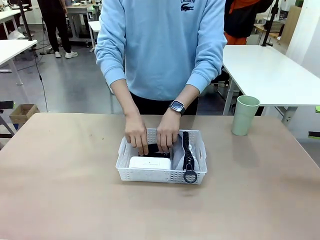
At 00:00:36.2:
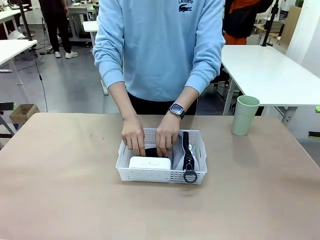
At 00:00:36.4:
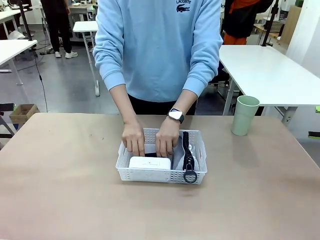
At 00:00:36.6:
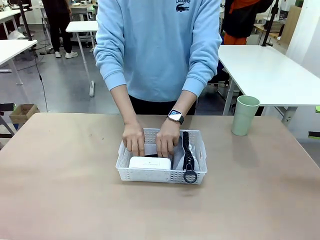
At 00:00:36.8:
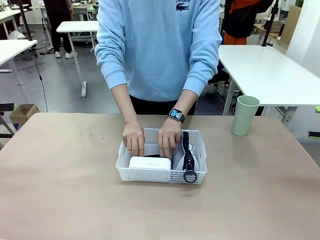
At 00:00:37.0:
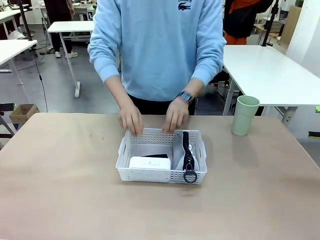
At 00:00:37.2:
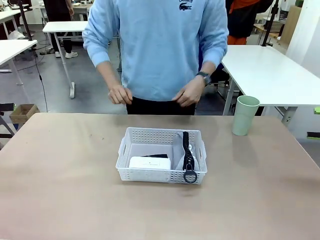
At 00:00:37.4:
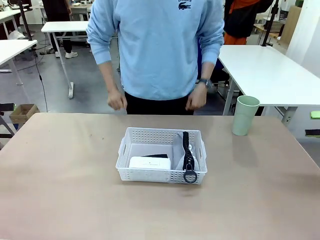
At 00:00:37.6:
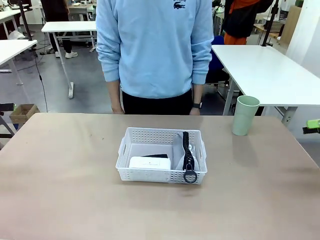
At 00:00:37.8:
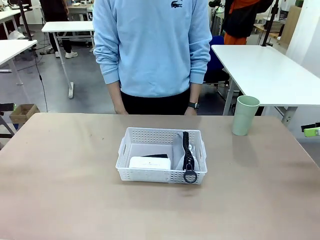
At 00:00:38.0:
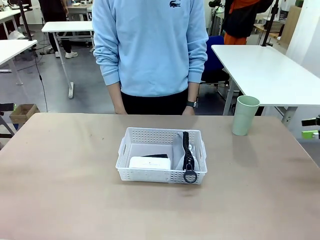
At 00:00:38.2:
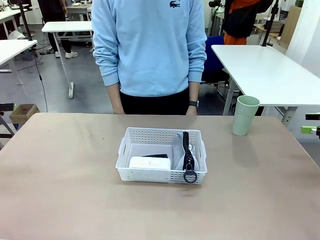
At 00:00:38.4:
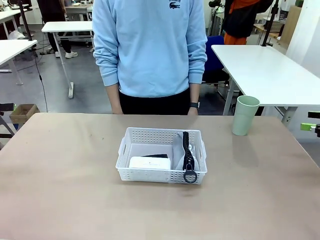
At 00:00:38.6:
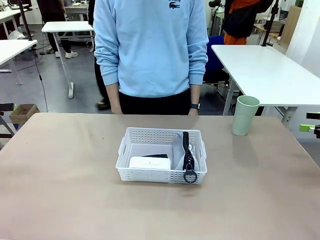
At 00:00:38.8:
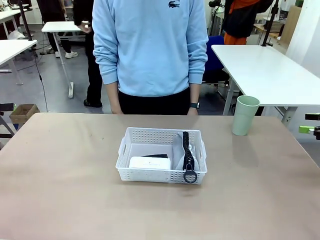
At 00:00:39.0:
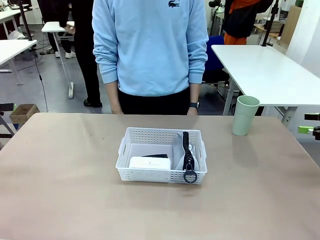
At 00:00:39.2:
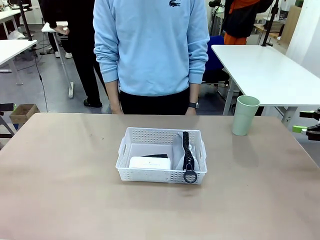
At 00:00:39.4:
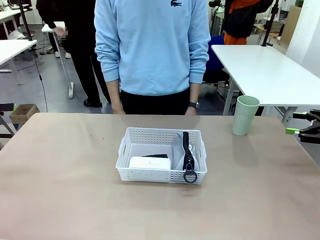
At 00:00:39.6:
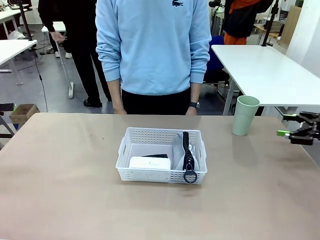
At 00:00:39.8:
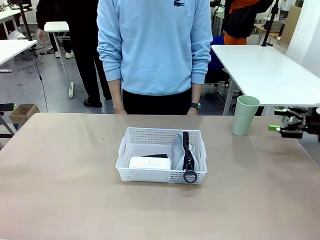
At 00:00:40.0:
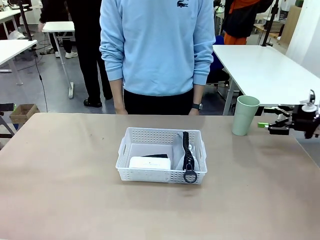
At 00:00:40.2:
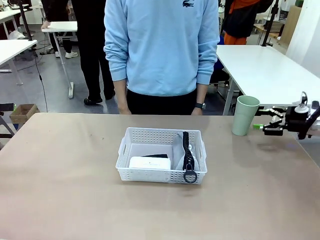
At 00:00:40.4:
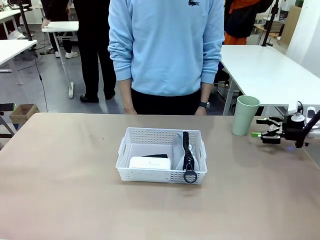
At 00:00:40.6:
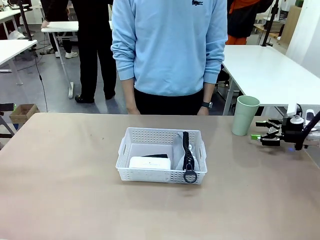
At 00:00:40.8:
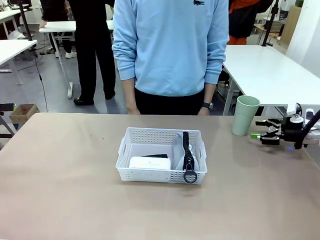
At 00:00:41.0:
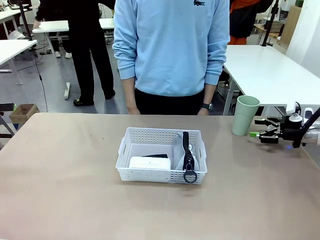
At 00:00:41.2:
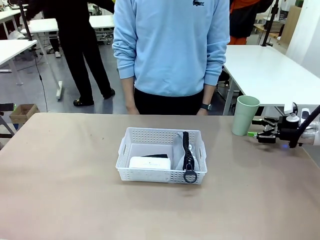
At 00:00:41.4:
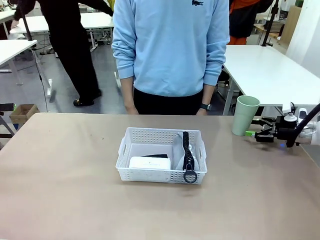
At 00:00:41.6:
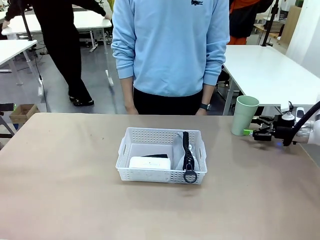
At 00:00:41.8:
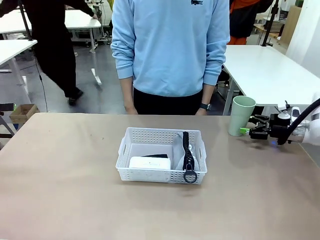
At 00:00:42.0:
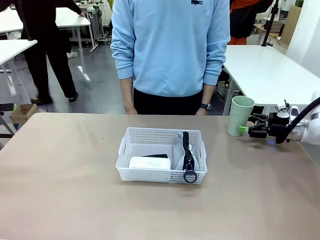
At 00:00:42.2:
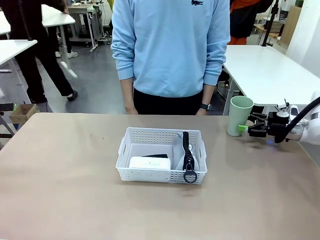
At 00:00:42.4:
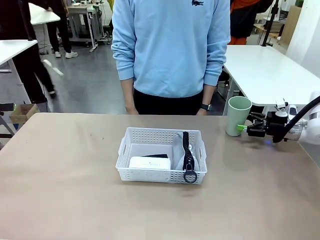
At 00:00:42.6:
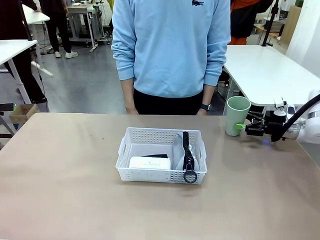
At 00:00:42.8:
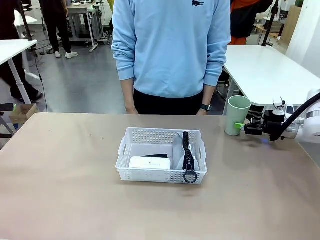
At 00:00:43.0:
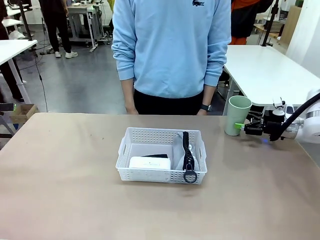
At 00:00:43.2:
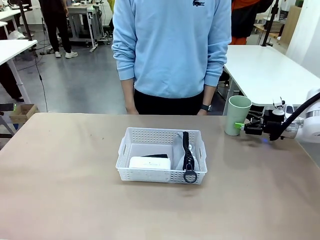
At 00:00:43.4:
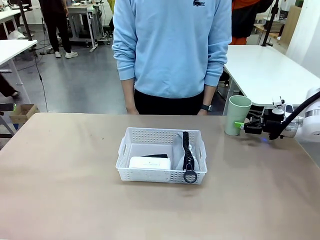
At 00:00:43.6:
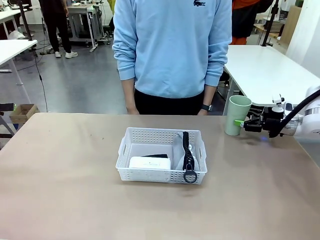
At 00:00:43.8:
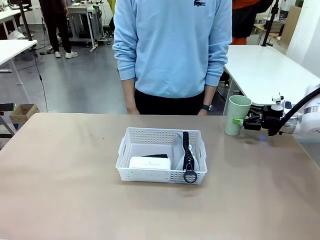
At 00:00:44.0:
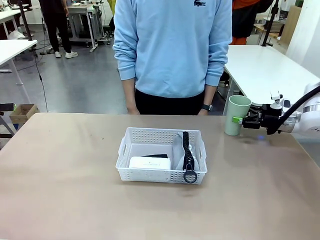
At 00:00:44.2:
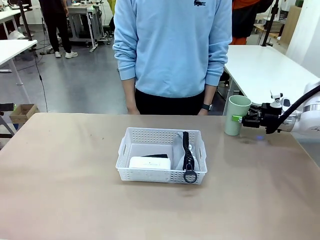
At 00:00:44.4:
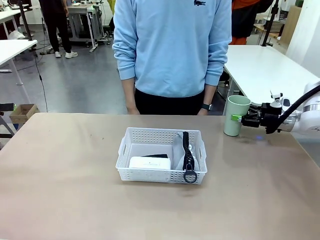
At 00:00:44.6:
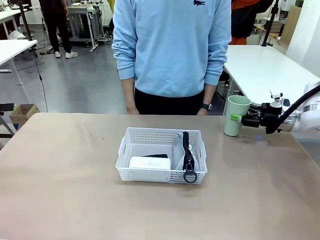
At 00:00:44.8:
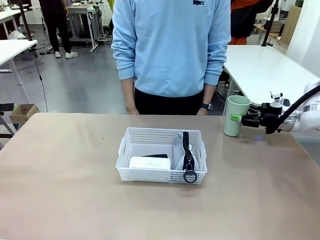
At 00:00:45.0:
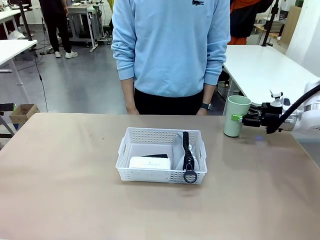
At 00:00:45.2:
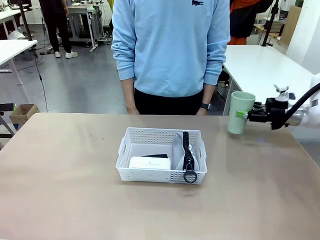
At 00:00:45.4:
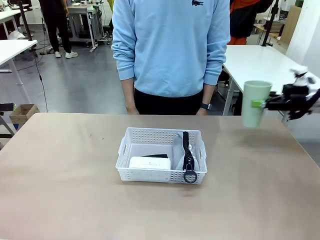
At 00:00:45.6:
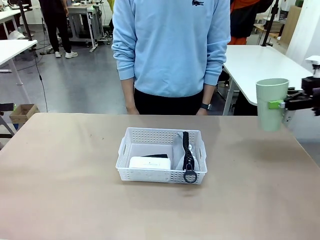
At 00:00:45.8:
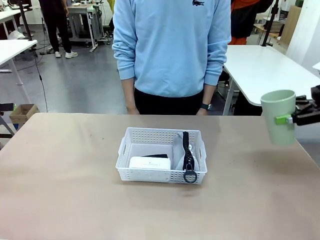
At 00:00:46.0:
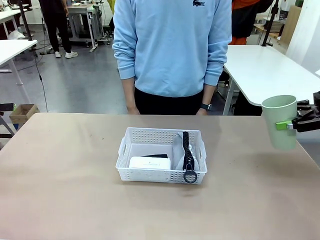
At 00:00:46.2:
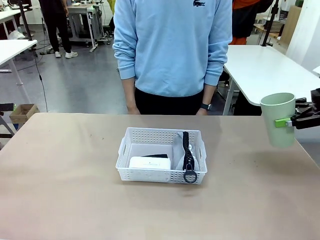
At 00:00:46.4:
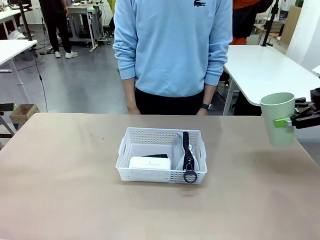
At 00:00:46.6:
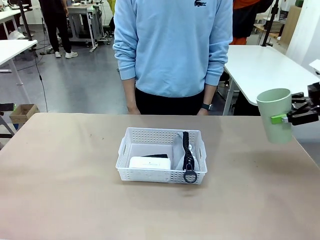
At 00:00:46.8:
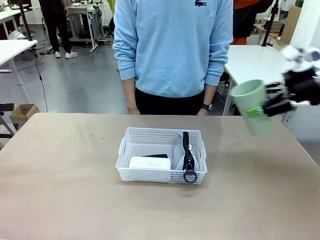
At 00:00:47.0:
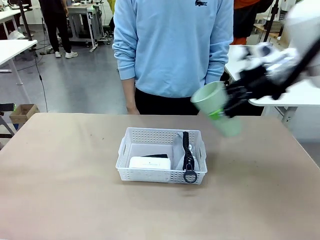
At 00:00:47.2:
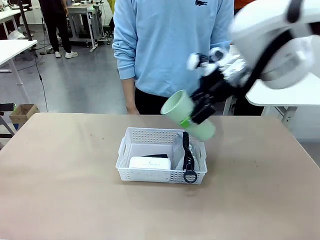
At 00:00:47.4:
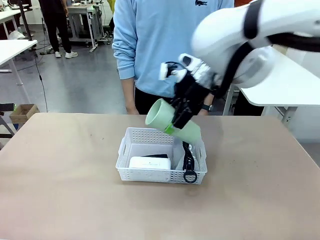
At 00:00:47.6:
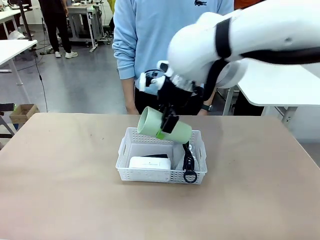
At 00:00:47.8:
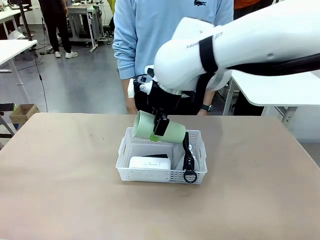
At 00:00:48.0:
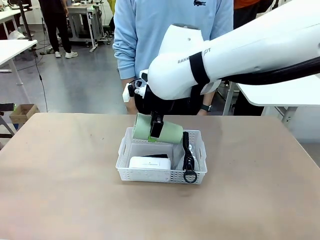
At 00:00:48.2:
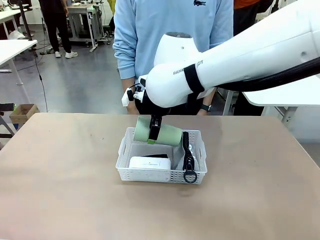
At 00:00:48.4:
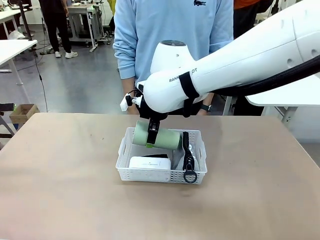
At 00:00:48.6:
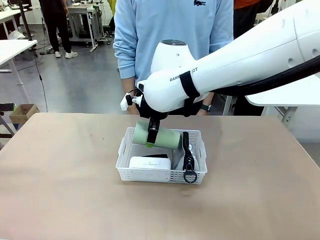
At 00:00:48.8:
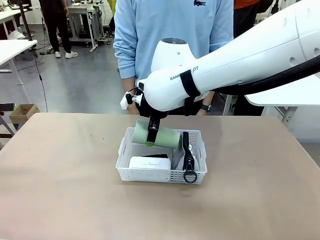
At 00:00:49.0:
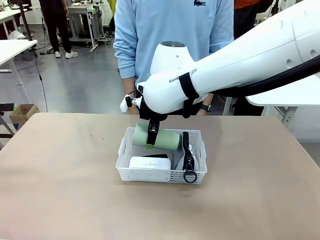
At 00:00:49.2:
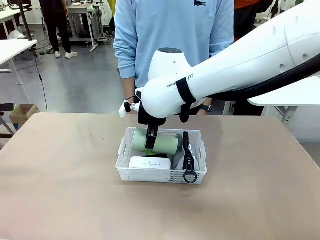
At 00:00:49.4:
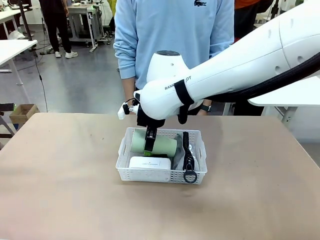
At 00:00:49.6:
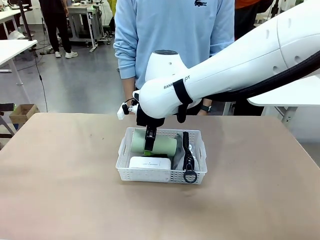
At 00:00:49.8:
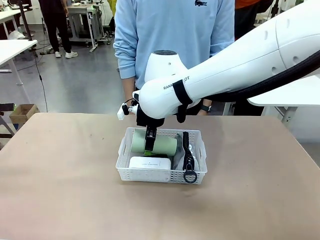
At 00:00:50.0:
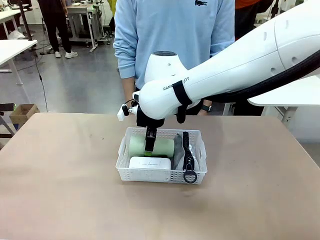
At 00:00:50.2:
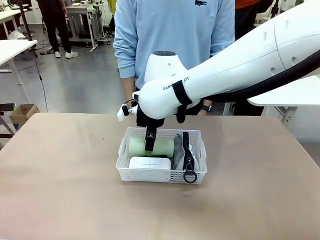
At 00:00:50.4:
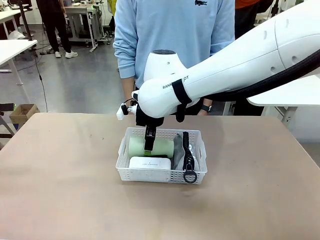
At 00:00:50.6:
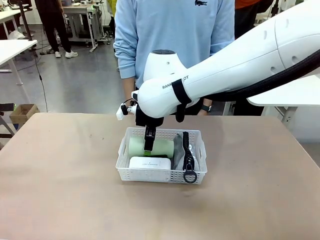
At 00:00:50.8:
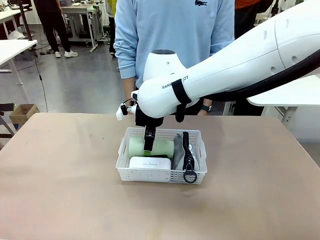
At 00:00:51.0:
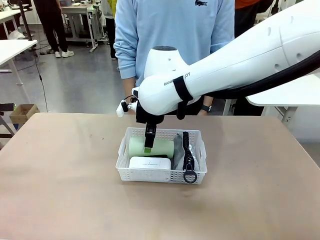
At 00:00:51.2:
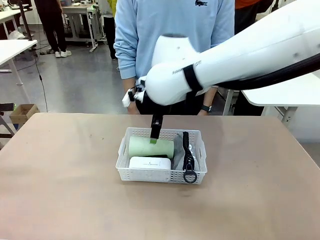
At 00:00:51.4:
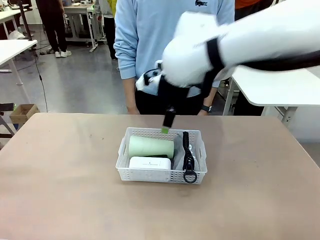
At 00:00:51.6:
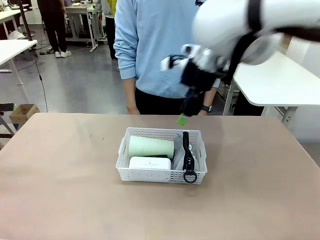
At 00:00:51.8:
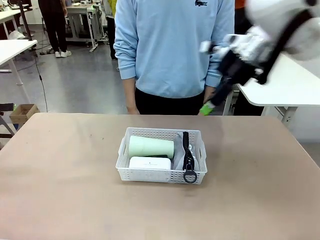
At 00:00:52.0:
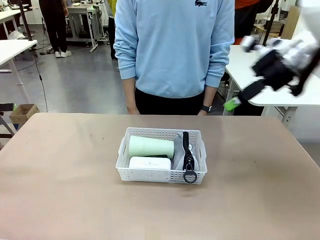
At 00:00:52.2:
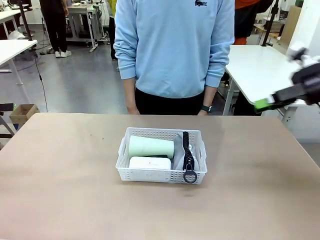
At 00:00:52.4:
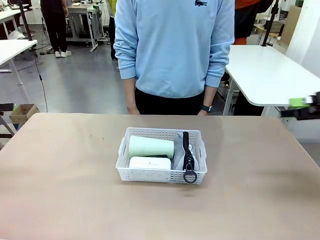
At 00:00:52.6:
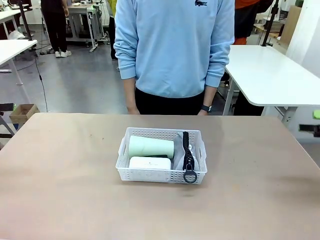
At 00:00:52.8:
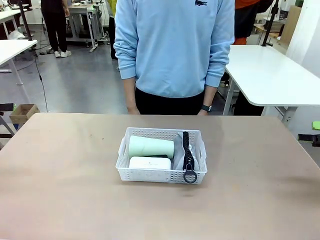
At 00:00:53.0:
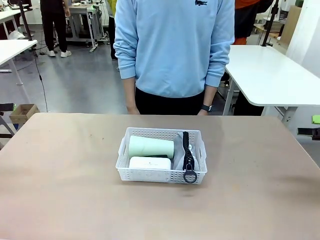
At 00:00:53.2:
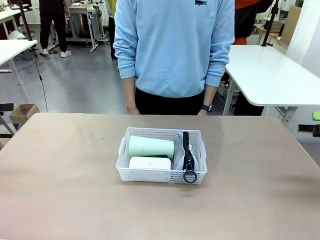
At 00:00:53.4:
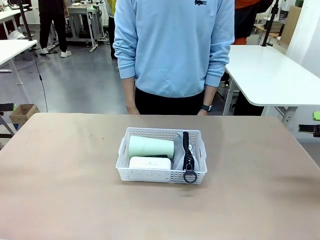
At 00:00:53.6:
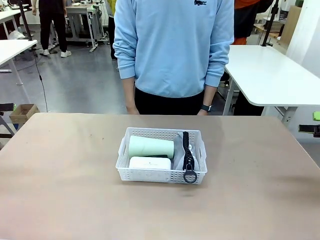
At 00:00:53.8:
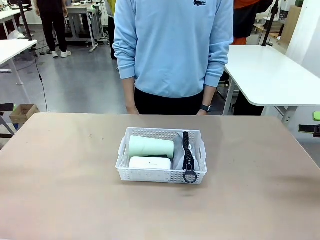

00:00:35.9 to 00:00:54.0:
Task: Efficiently arrange items inside the basket to fit them all.
Robot: Pick up the Reusable plastic cup and place it inside the Organizing basket.
Person: Repositions the stapler.

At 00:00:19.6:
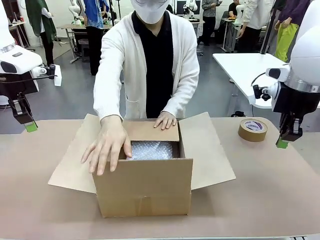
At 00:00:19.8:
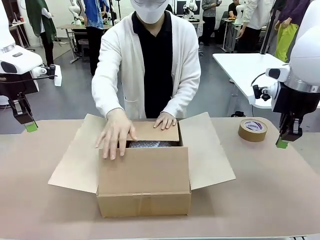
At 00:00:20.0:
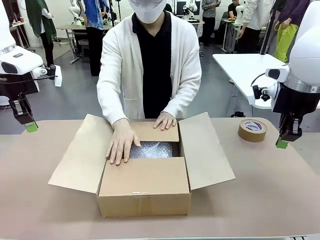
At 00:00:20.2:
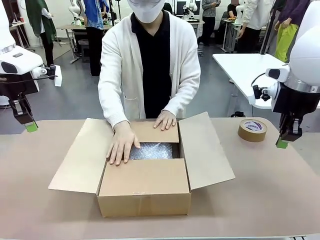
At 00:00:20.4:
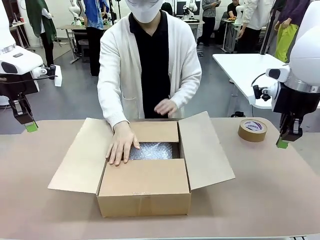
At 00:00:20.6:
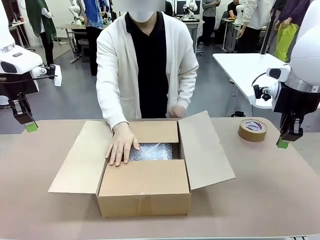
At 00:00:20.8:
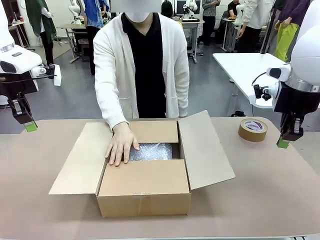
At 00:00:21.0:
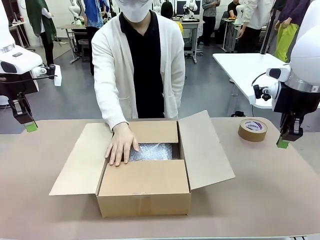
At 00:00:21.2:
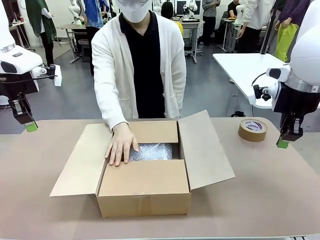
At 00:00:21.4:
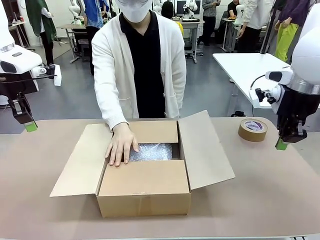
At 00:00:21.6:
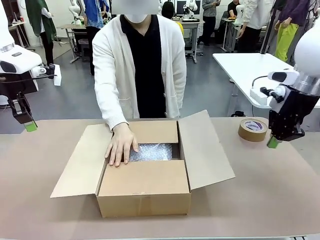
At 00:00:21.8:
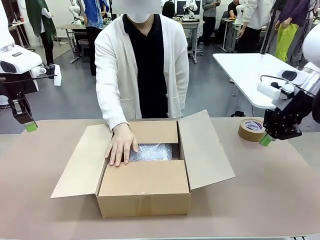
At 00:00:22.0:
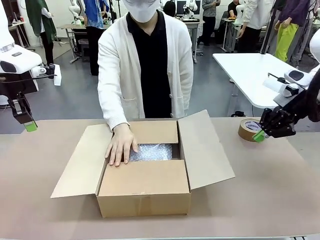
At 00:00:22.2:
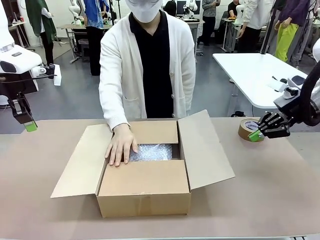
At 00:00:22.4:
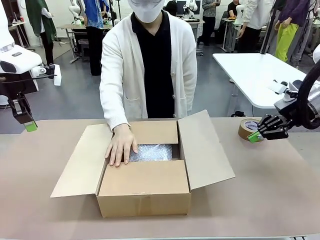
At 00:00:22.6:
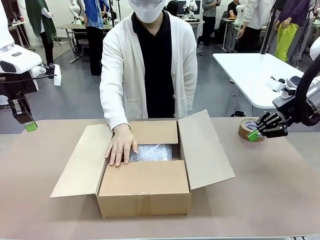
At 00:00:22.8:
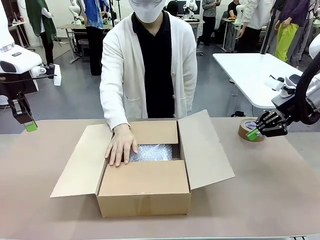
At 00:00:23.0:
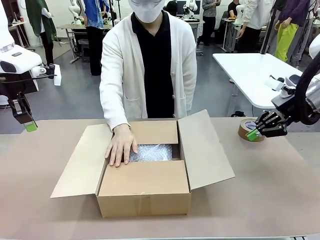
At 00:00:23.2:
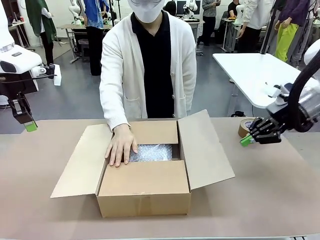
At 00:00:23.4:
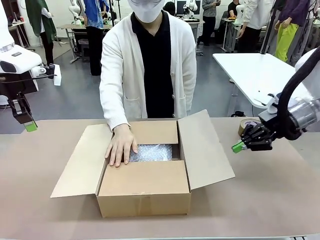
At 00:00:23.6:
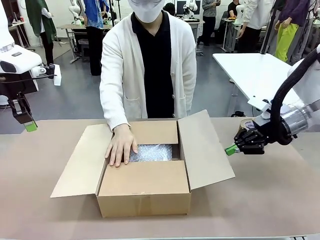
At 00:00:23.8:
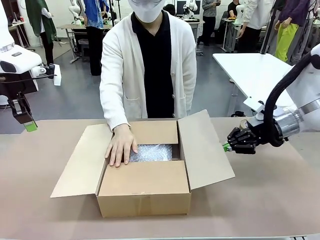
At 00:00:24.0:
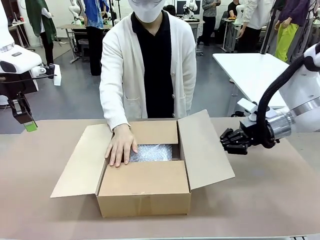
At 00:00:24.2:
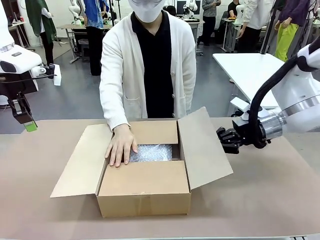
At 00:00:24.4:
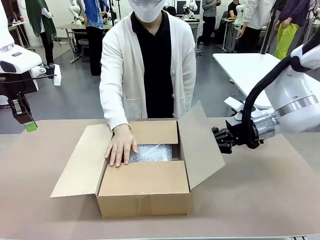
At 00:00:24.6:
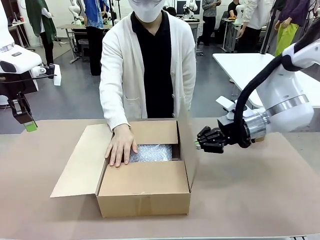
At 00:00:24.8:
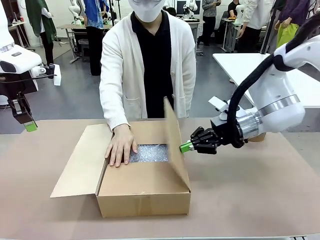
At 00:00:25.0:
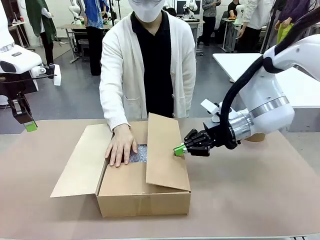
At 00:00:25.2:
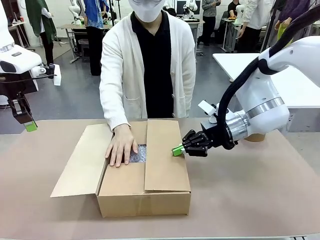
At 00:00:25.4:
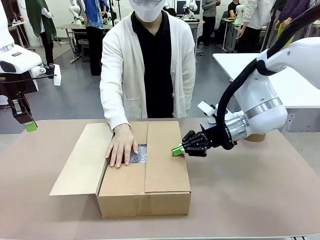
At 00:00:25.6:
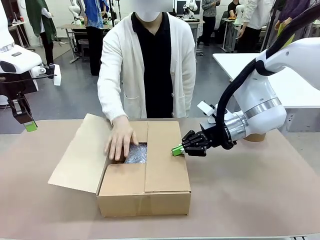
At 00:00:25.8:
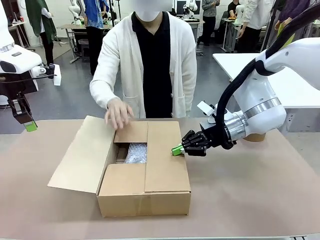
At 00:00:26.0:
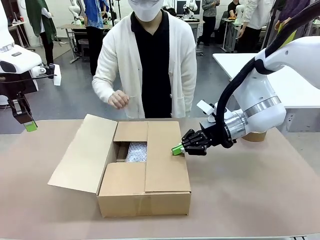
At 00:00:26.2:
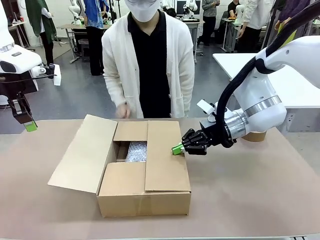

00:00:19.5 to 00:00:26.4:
Task: Wrap the clocks to prevent damage.
Robot: Push the right (or left) flap of the Package Box to close it.
Person: Once the robot closes the right flap of the Package Box , release your left hand from the box.
